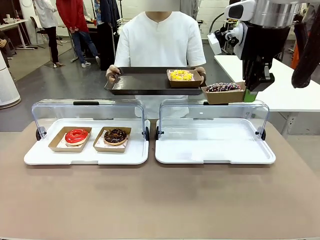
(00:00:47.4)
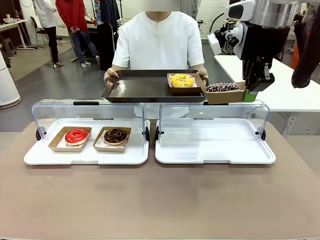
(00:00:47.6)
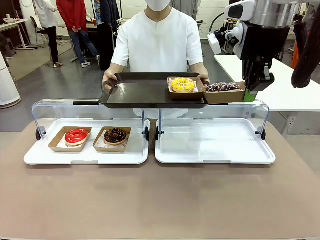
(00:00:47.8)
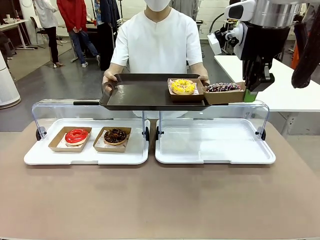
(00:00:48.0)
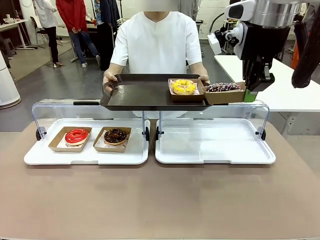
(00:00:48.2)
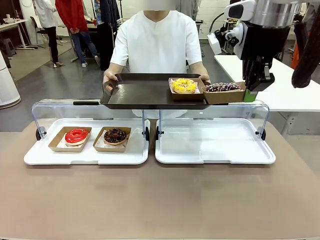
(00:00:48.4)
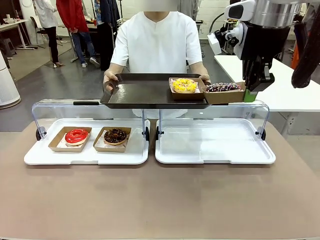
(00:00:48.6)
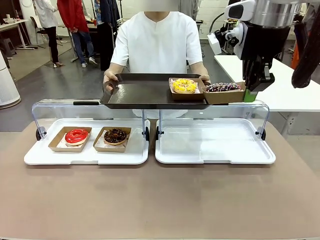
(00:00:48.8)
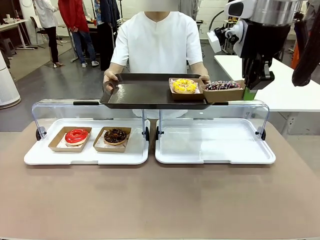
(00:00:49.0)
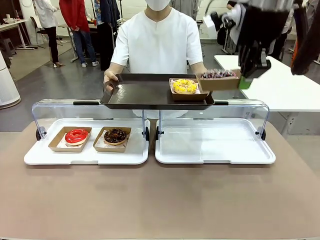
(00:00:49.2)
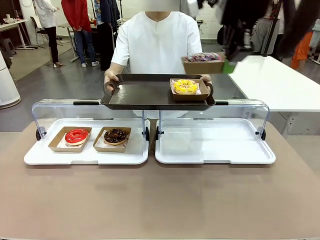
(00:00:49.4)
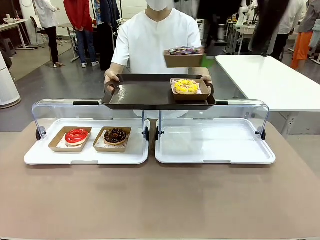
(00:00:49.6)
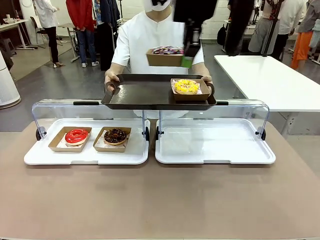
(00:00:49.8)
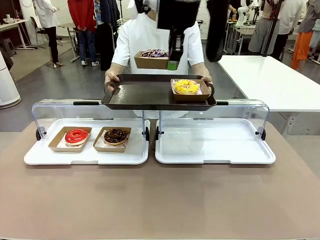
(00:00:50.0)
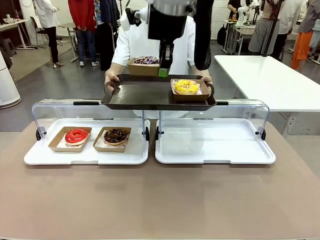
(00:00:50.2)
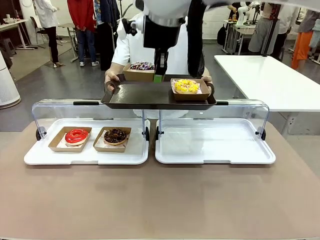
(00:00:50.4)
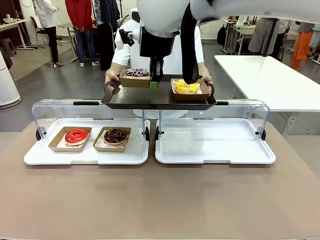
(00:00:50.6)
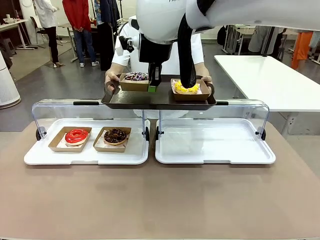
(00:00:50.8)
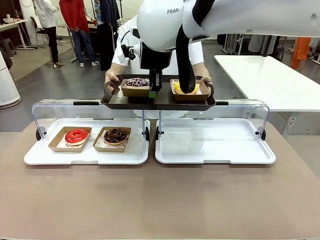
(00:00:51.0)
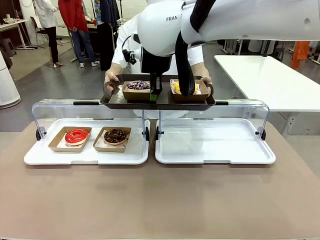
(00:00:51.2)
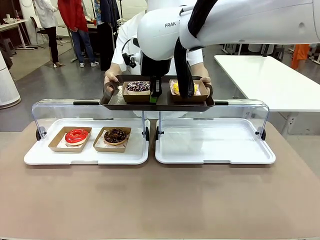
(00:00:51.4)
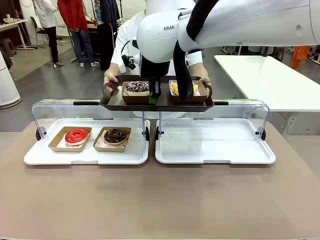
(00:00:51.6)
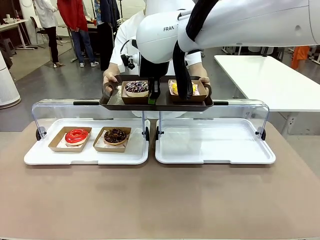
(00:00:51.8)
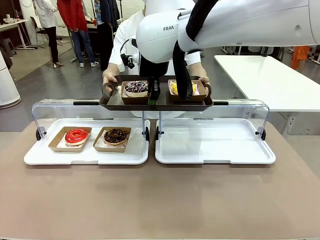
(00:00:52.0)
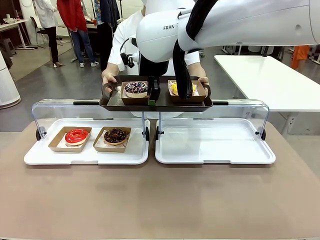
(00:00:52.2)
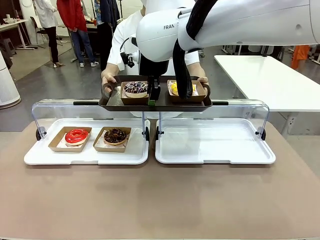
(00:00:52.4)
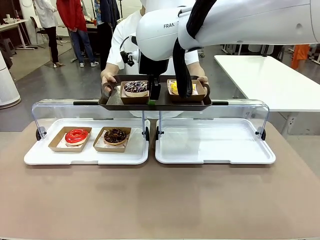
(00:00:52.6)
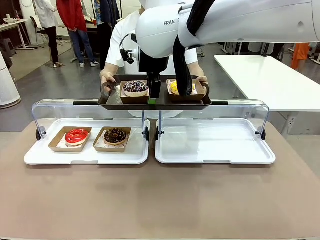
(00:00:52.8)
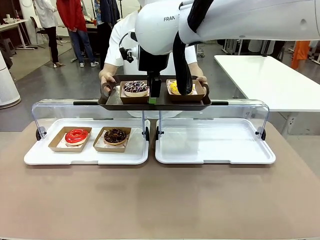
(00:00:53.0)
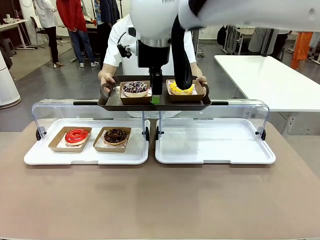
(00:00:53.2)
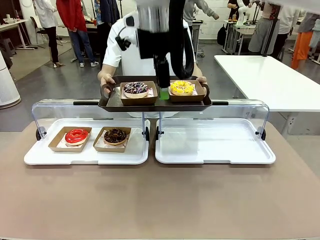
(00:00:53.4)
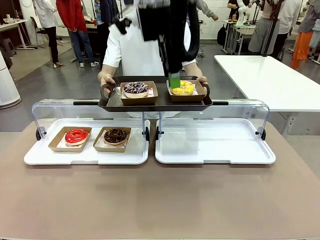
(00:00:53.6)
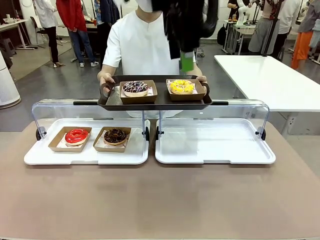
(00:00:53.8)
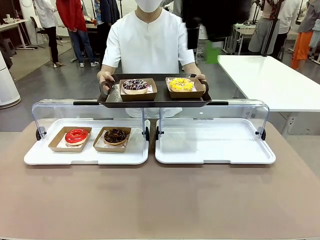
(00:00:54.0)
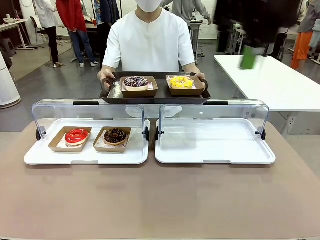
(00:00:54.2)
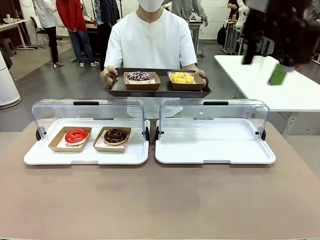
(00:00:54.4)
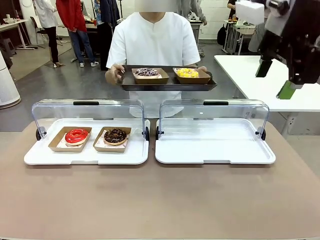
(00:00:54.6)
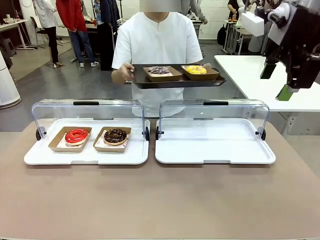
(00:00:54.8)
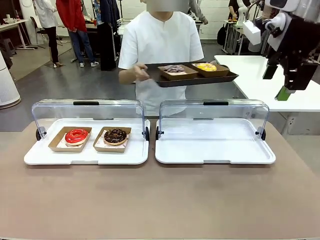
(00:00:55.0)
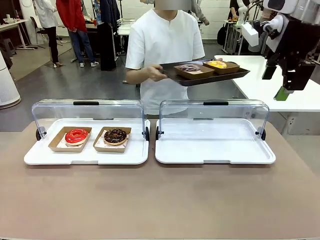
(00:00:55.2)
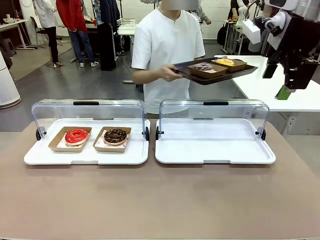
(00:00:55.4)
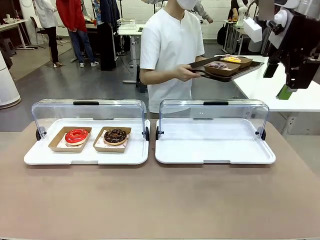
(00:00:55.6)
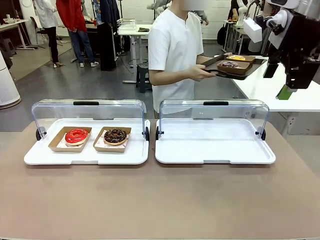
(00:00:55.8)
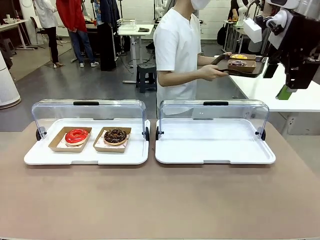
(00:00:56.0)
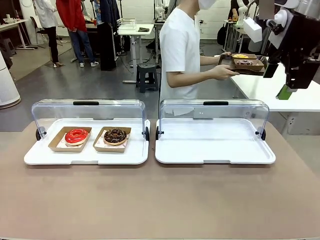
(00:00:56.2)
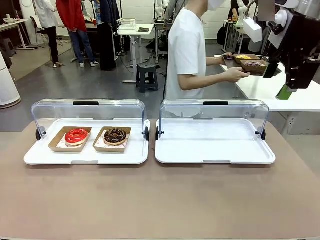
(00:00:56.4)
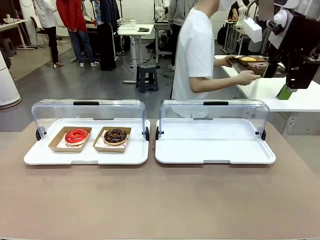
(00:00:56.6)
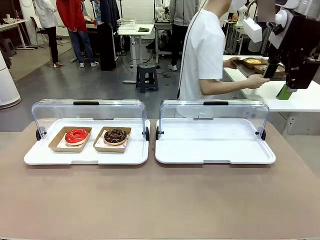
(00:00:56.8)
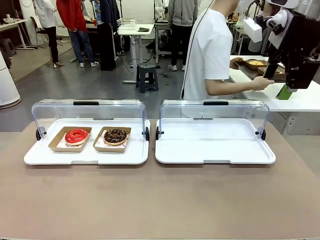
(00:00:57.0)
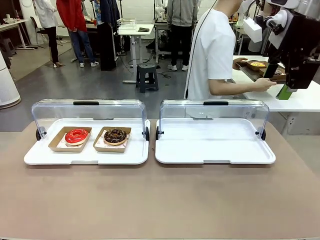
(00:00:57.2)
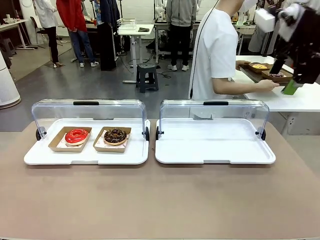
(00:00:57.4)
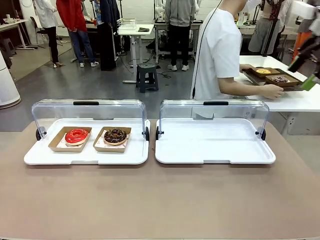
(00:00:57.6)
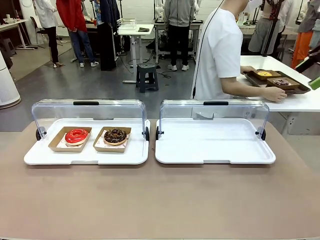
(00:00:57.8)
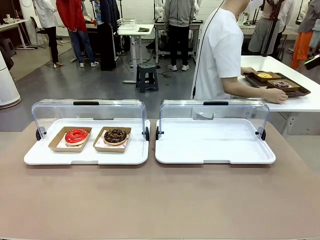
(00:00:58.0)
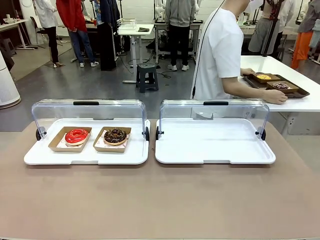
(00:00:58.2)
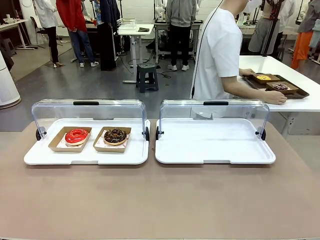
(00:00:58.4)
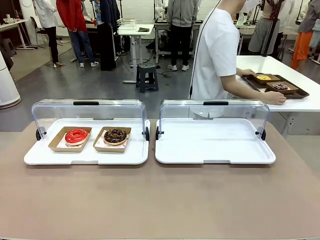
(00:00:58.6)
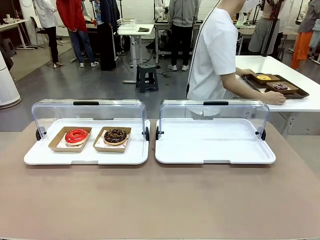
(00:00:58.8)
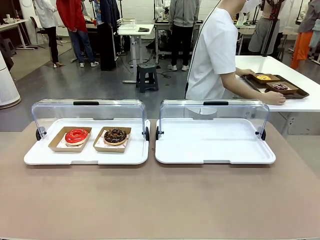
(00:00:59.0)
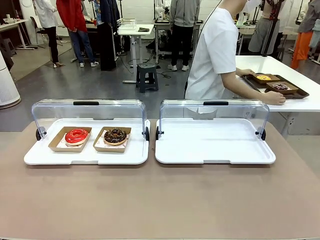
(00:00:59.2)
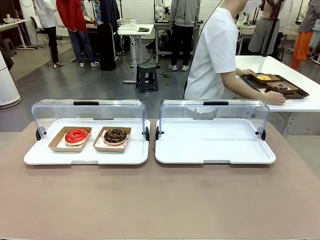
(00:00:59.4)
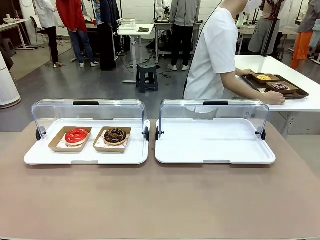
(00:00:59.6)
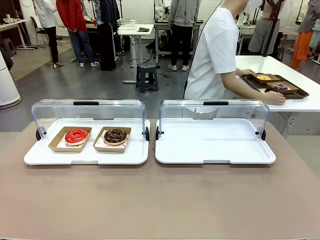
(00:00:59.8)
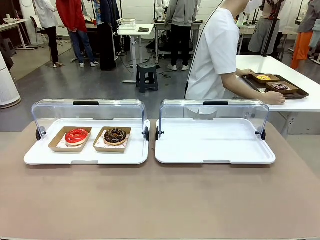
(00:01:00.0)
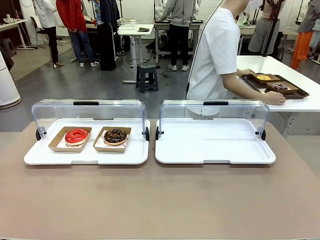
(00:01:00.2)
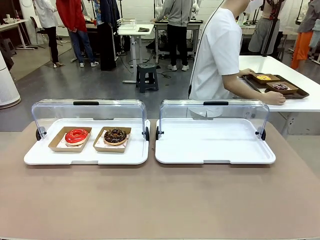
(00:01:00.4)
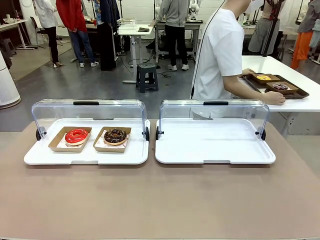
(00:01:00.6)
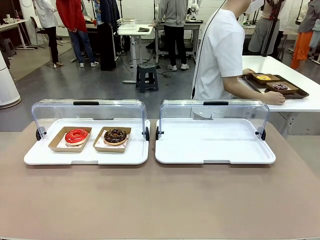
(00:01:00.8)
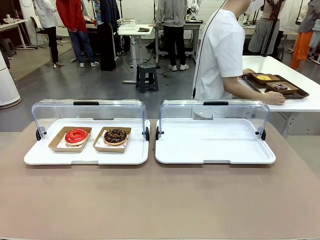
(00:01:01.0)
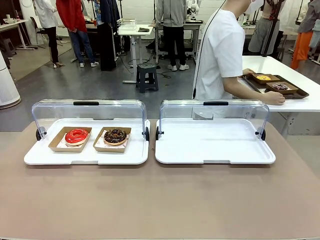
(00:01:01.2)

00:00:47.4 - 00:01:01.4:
Task: Provide the desired donut to the person.
Robot: Place the picked Paper togo box onto the Handle tray extended by the person.
Person: Place the tray in the middle of the human table.

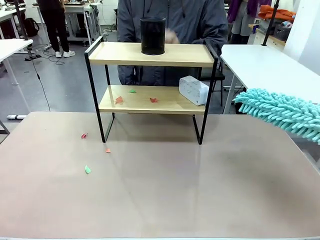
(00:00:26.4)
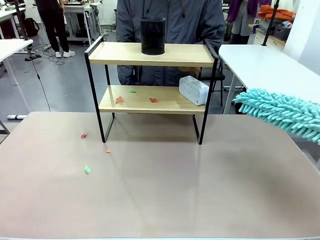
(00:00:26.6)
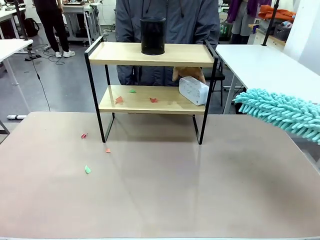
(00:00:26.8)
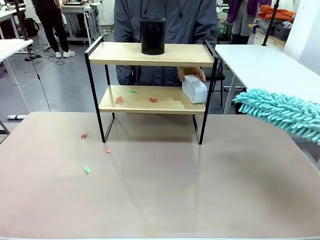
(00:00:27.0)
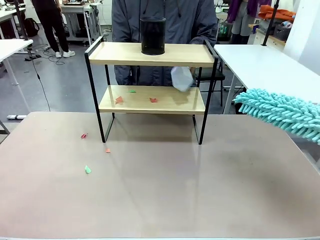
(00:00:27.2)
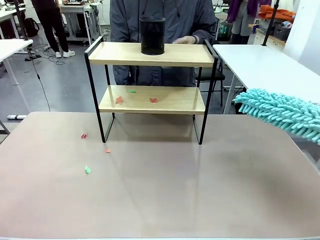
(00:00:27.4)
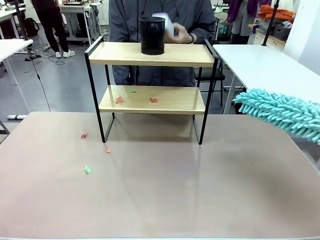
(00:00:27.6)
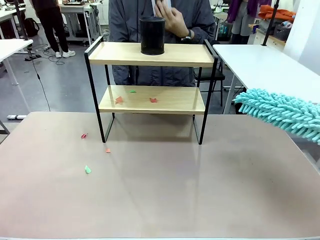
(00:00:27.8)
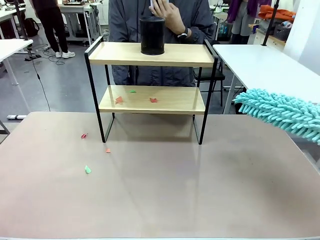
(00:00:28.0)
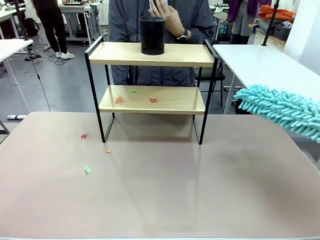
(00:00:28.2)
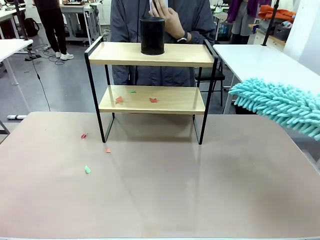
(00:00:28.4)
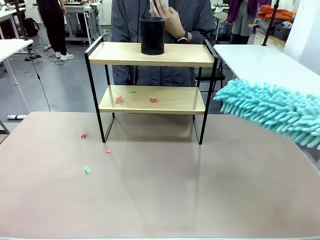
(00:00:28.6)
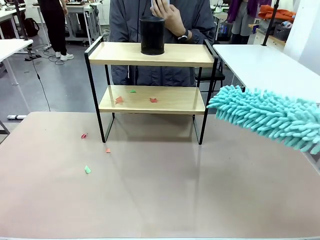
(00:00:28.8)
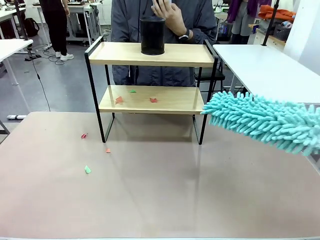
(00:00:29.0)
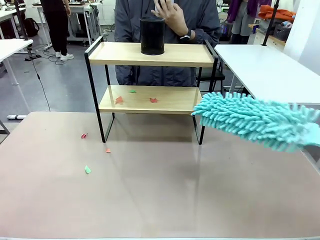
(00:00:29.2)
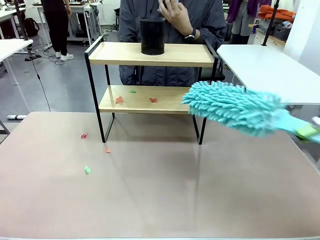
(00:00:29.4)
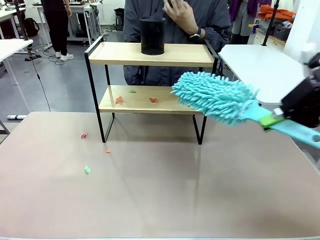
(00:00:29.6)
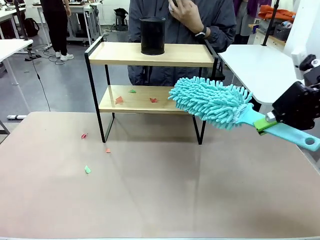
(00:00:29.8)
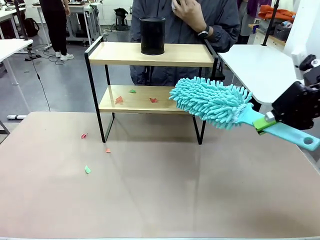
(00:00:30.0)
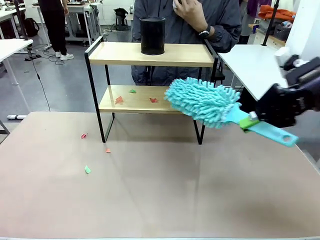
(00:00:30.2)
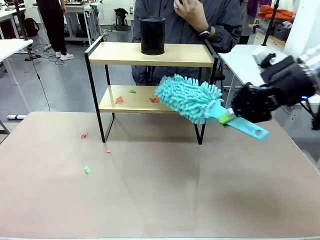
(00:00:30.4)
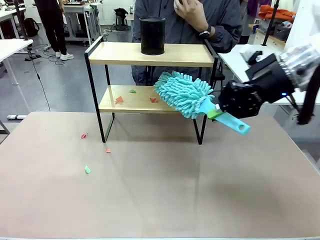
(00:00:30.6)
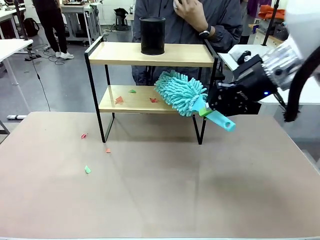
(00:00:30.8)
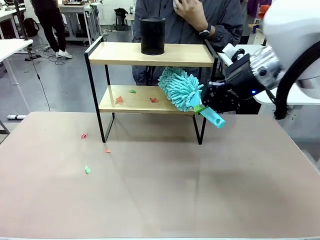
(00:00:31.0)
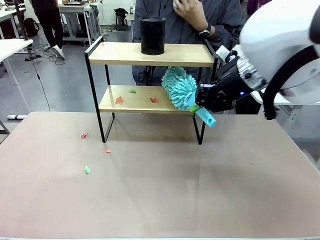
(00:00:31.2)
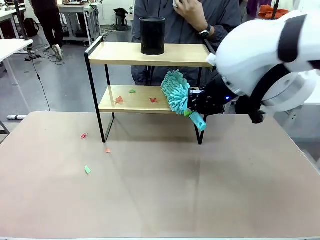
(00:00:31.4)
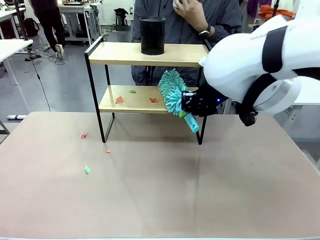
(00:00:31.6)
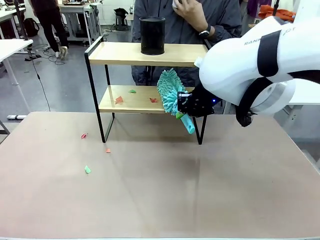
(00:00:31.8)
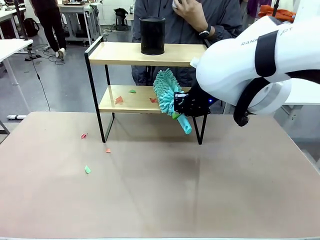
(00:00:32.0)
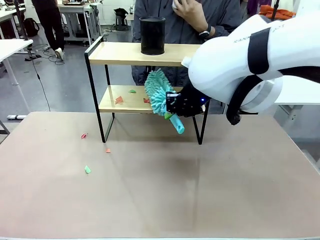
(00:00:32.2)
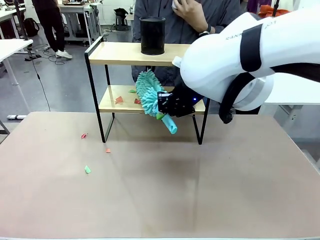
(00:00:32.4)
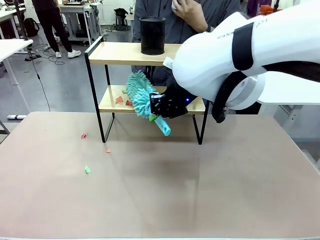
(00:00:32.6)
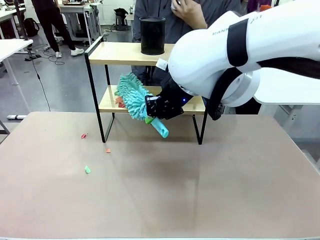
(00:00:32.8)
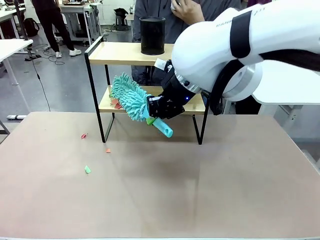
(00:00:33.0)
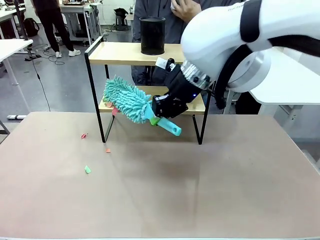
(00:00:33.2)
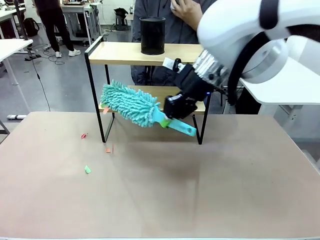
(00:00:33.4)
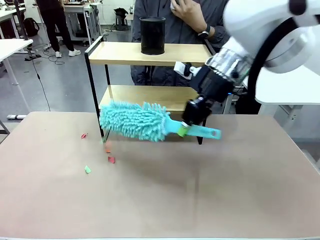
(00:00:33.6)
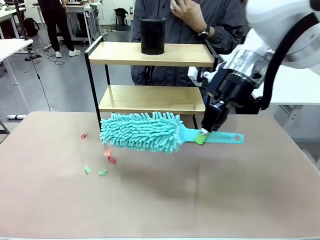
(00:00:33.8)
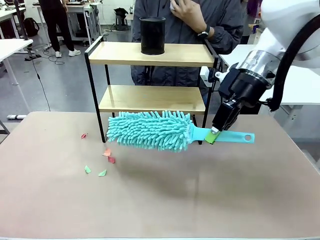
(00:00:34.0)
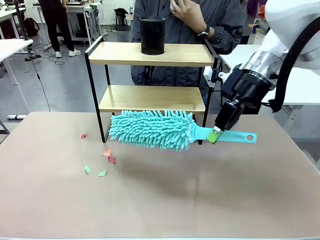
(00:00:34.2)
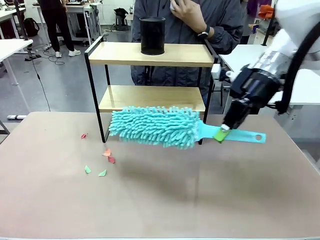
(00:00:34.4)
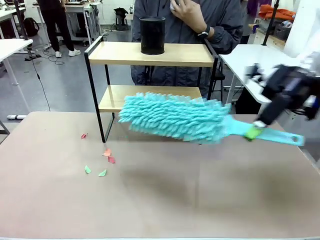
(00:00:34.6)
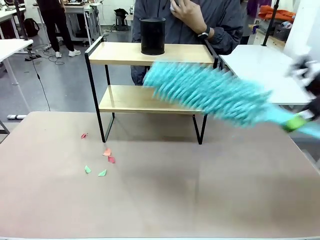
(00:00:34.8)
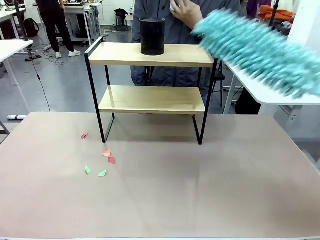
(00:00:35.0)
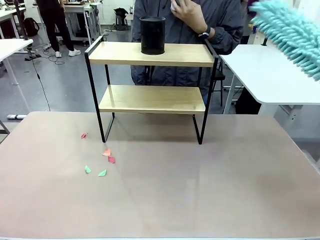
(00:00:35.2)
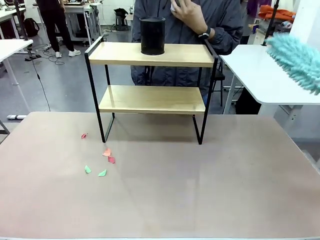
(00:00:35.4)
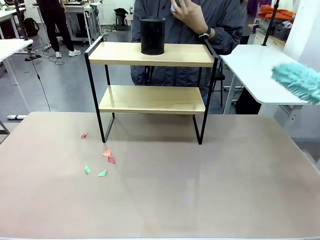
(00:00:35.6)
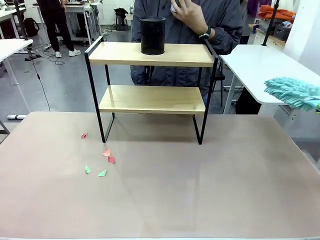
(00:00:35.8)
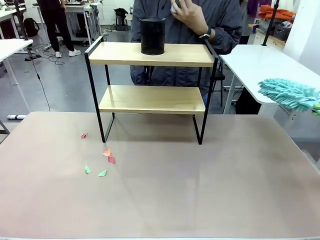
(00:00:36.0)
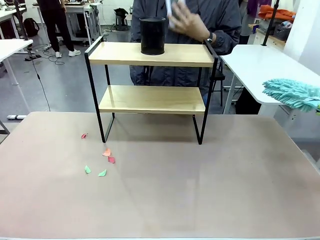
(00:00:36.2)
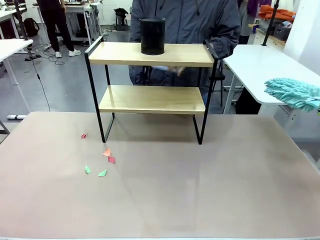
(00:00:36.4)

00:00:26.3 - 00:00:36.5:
Task: Clean the shelf.
Robot: Clean the remaining tier of the Shelf with the Duster once objects are removed.
